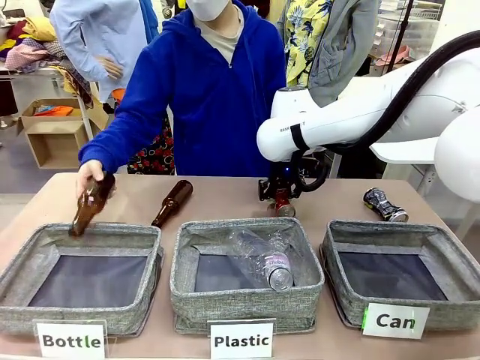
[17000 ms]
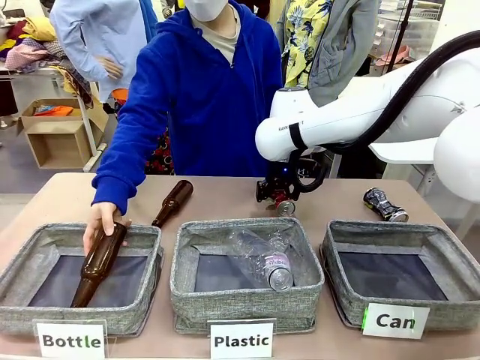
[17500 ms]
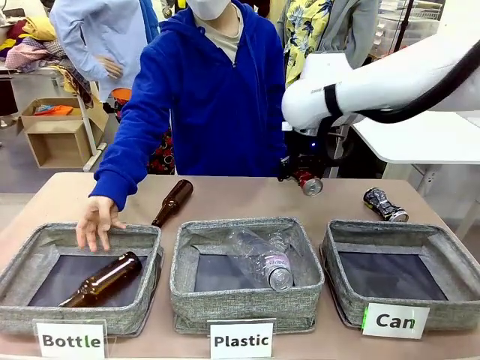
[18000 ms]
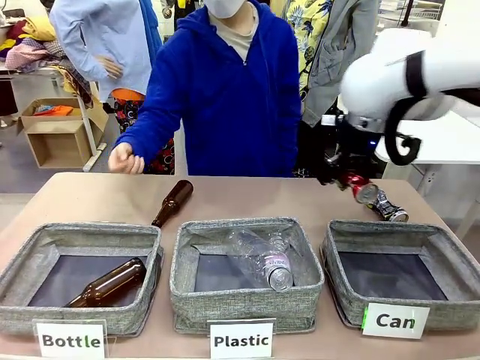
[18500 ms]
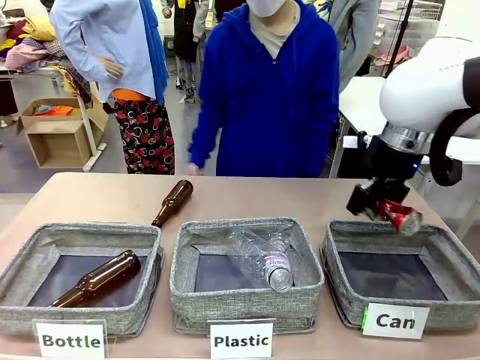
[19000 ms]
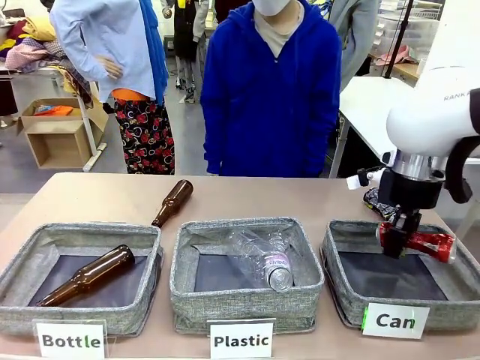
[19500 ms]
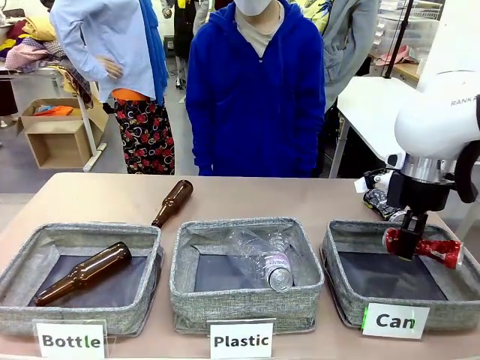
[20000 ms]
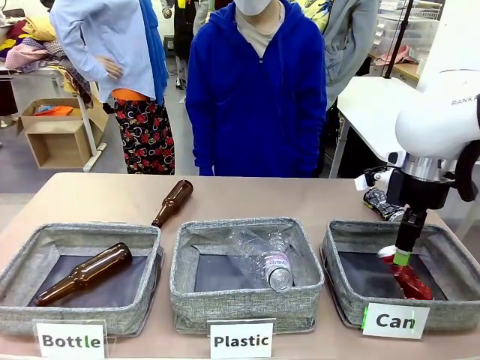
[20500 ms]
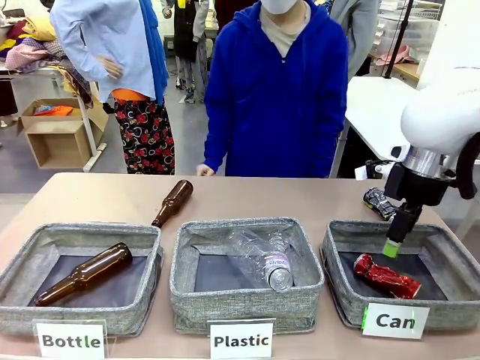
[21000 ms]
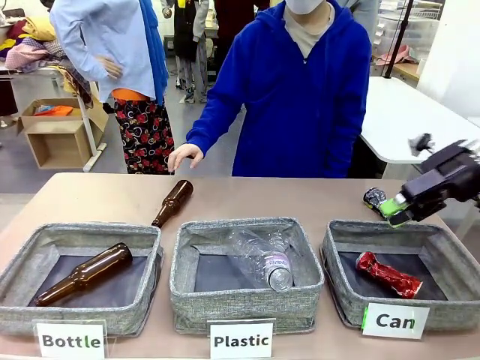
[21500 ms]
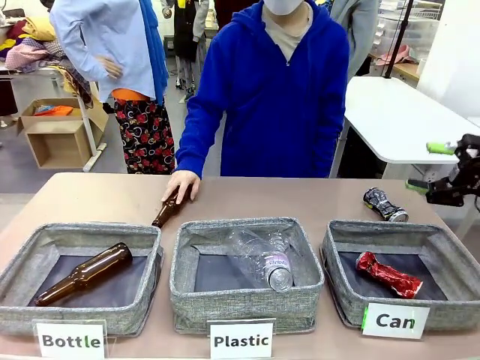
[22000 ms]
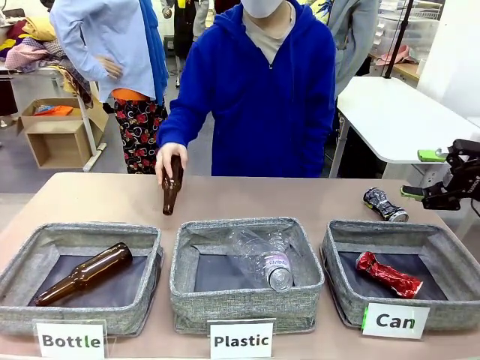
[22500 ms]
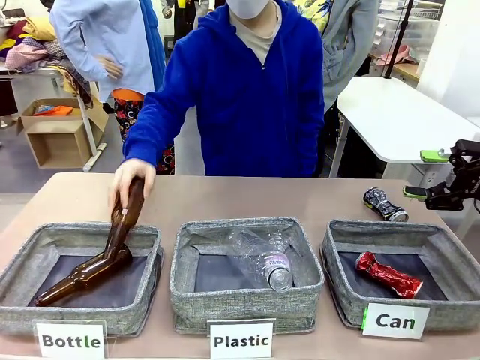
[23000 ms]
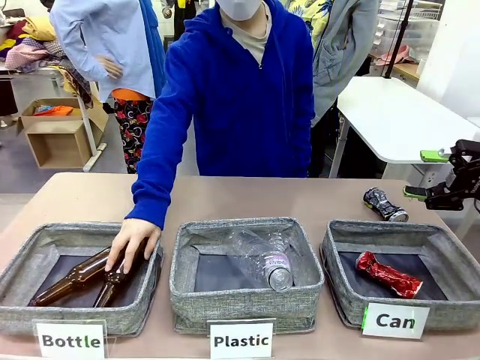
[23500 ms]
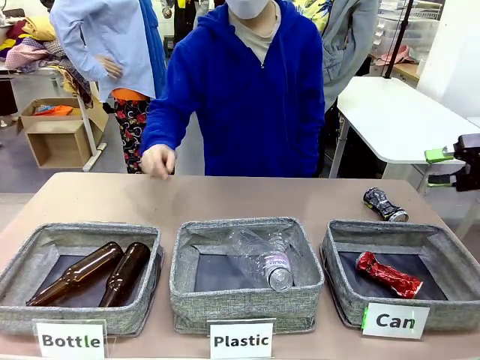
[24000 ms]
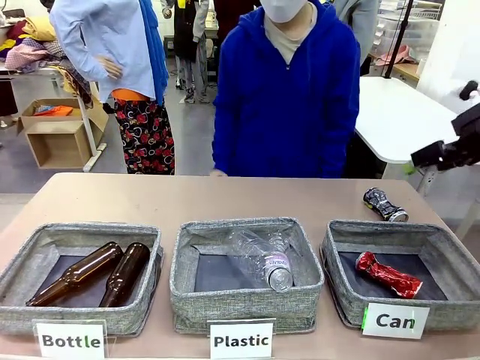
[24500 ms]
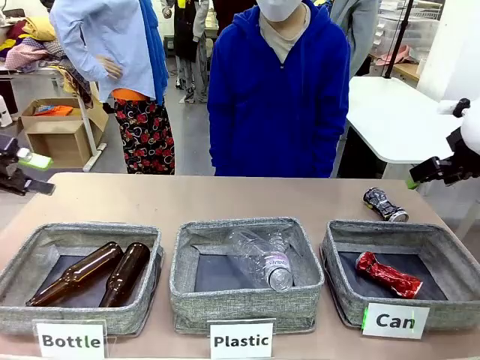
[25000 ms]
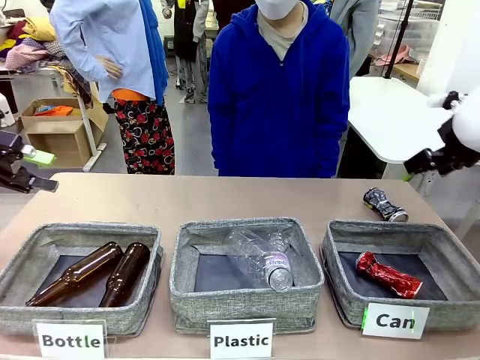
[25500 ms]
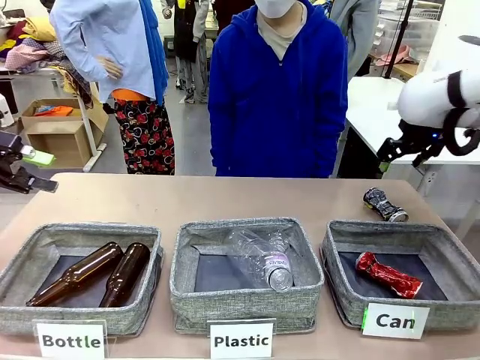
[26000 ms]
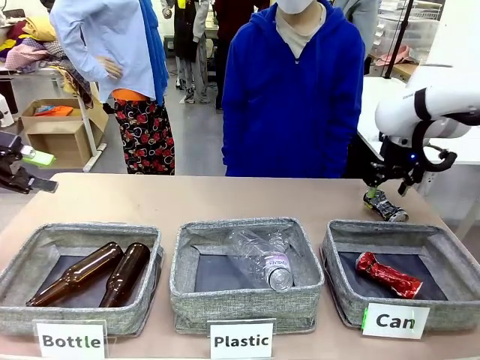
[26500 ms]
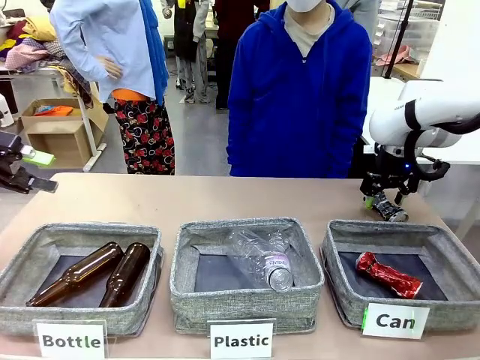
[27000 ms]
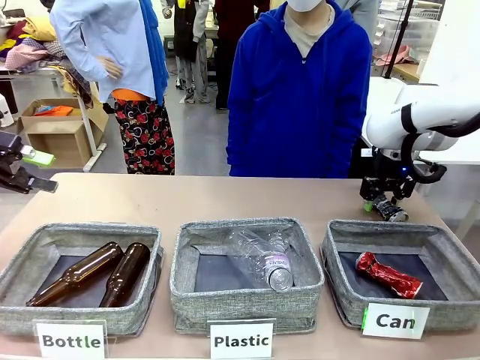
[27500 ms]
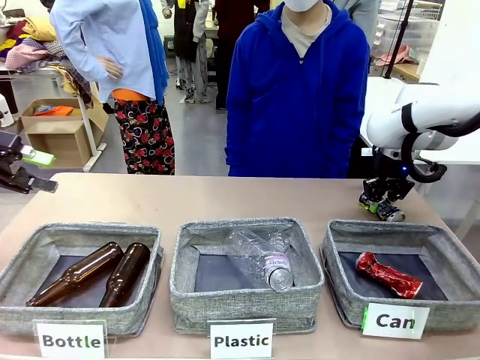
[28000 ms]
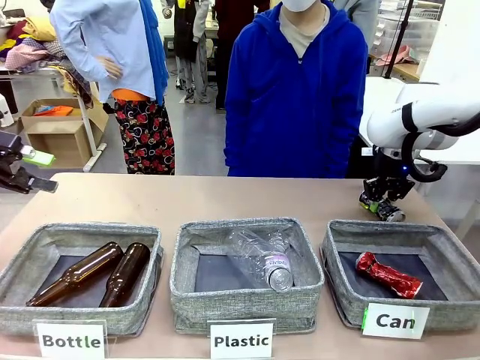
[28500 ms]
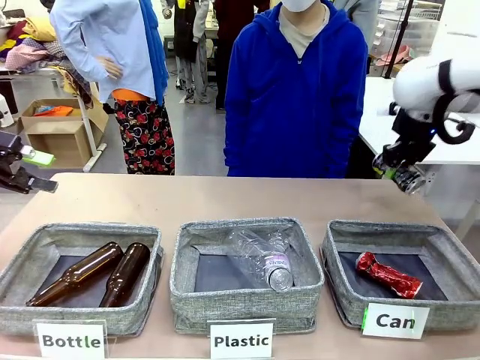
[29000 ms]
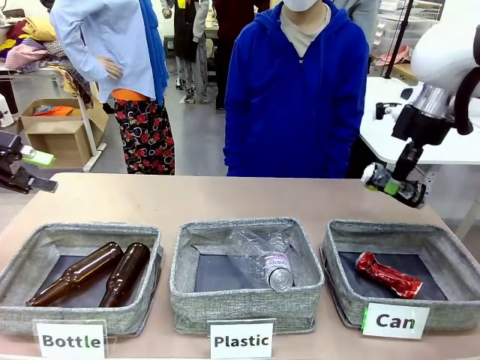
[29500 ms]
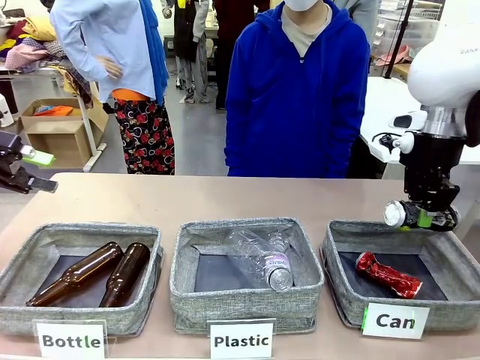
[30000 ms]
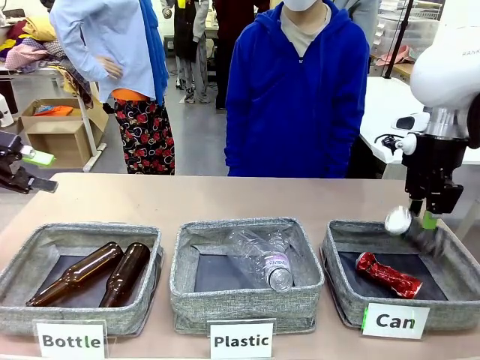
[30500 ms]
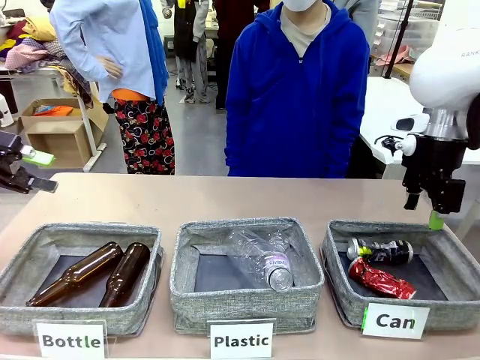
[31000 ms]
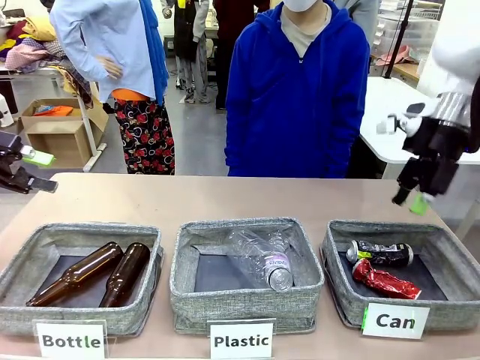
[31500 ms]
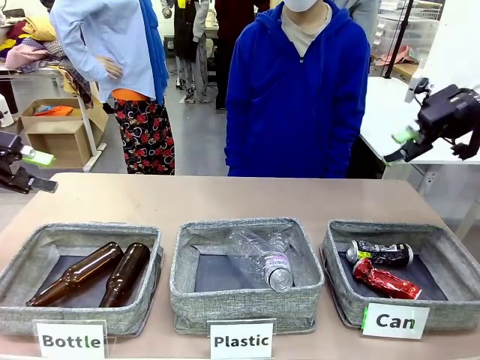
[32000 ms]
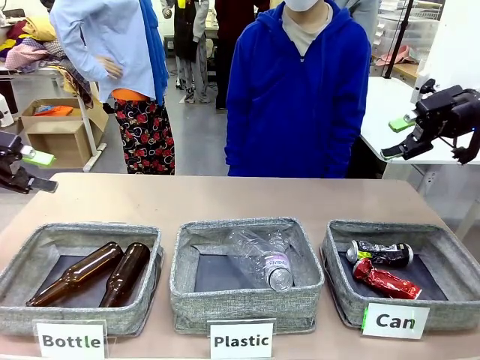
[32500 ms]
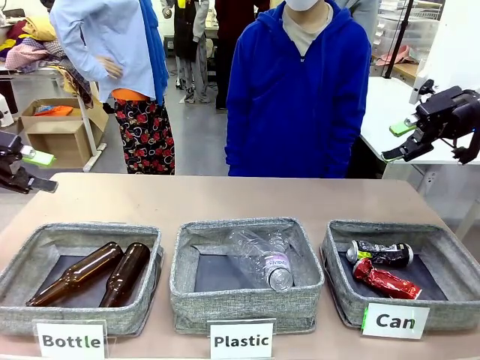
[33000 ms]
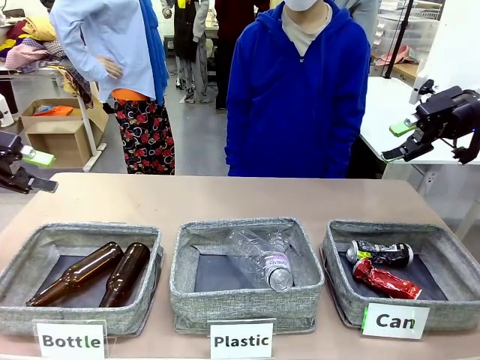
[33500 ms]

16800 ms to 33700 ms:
Task: Sort the can waste into the basket.
Robot: Pick up the can waste from the table and place it in the right Fabric basket.
Person: The human picks up one piece of trash that is not a can and places the trash into the appropriate organizing basket.

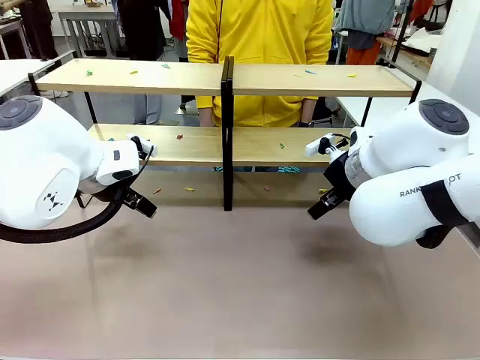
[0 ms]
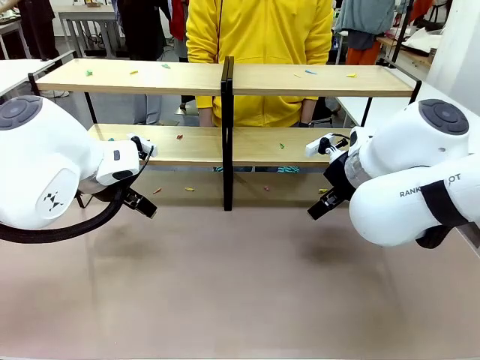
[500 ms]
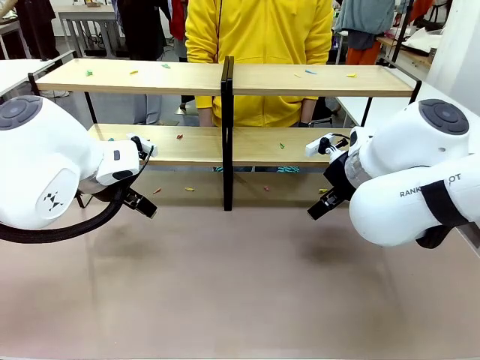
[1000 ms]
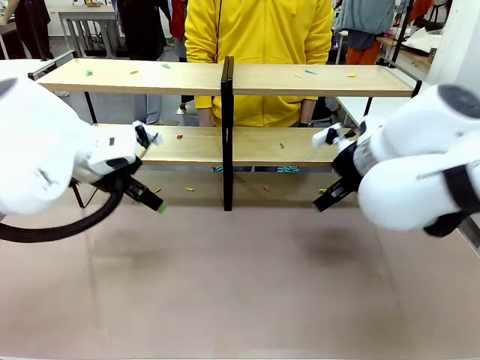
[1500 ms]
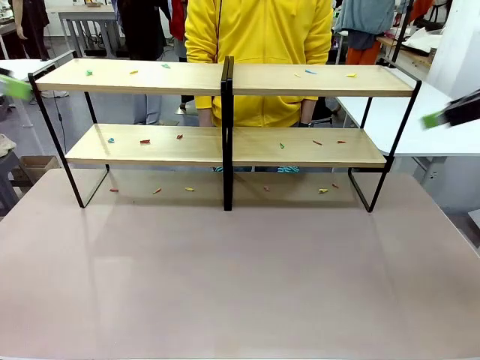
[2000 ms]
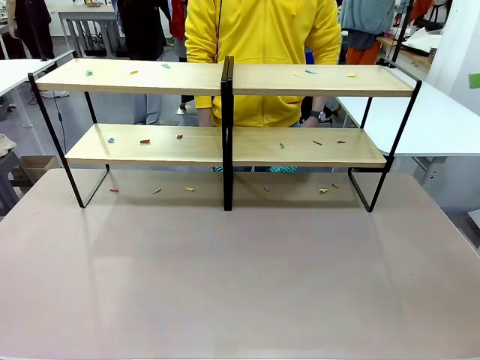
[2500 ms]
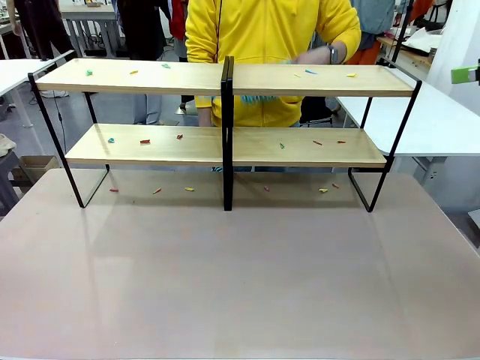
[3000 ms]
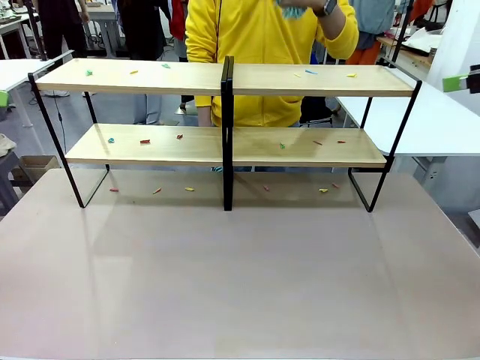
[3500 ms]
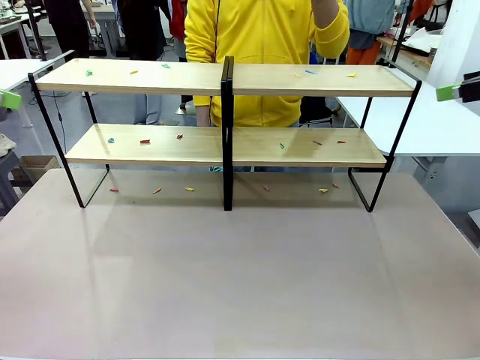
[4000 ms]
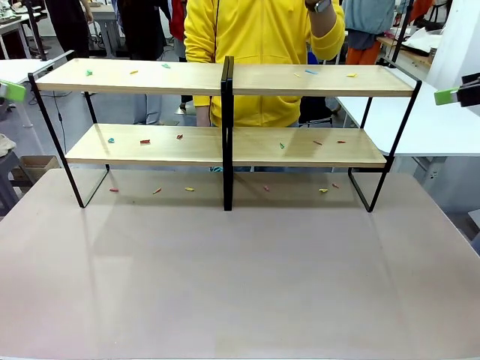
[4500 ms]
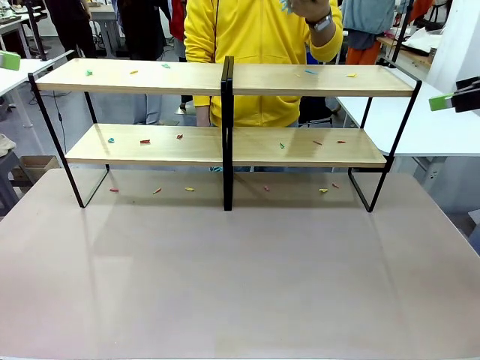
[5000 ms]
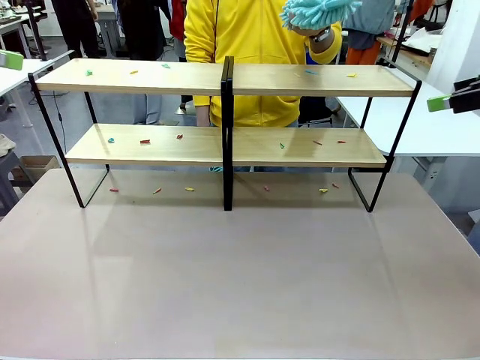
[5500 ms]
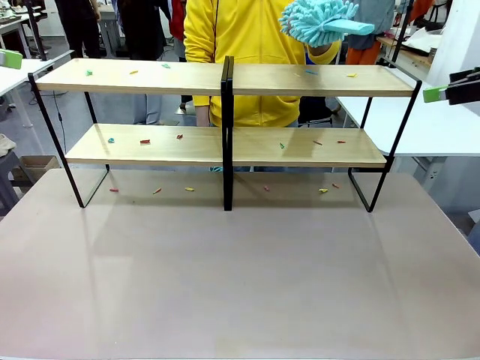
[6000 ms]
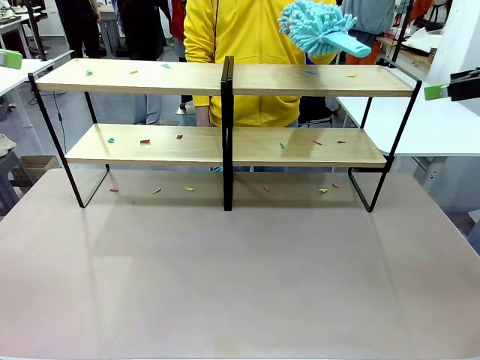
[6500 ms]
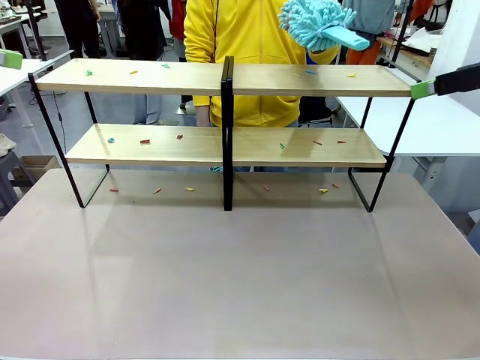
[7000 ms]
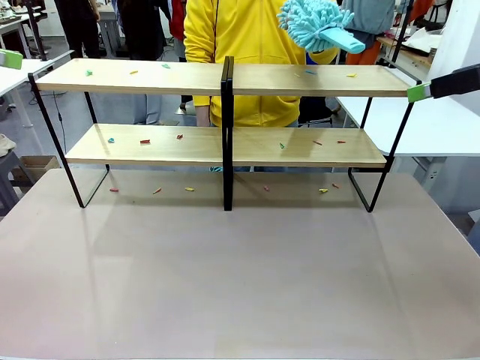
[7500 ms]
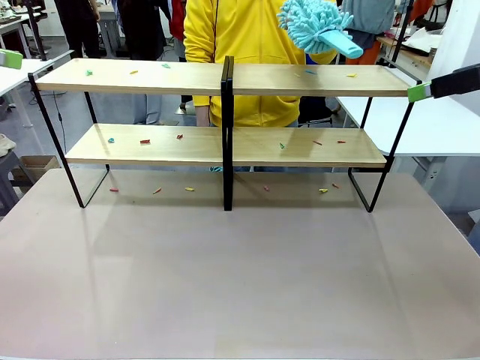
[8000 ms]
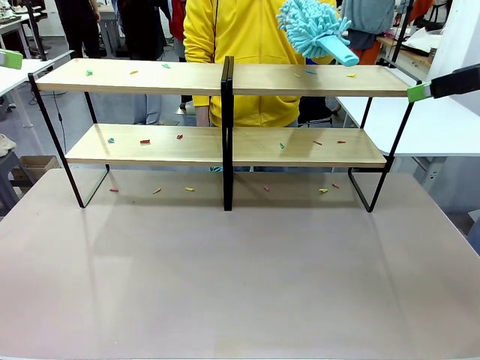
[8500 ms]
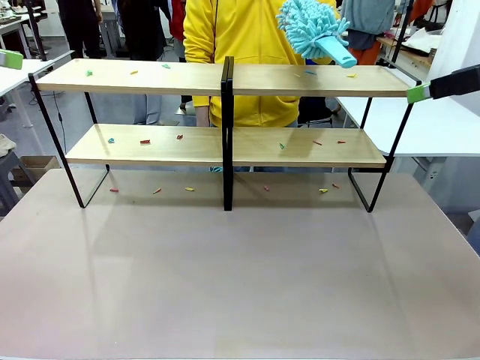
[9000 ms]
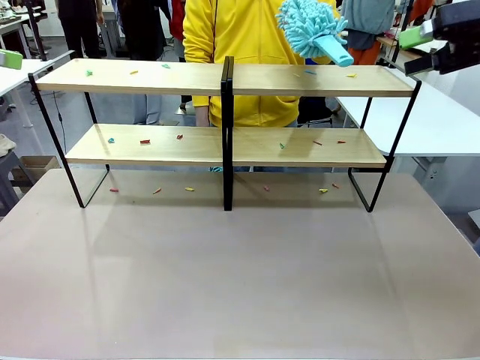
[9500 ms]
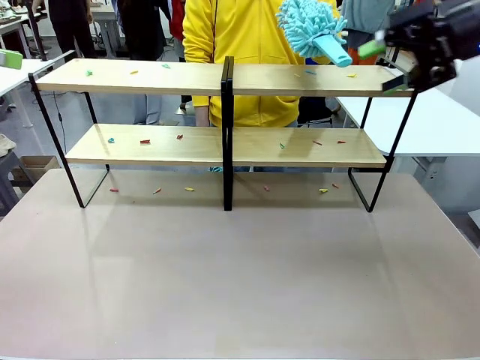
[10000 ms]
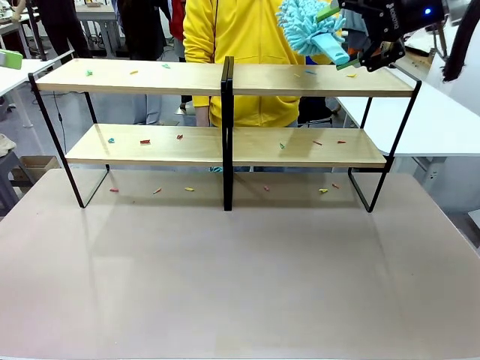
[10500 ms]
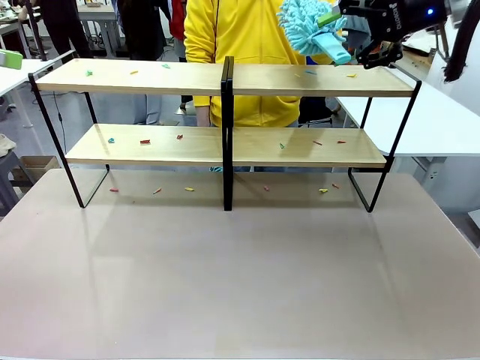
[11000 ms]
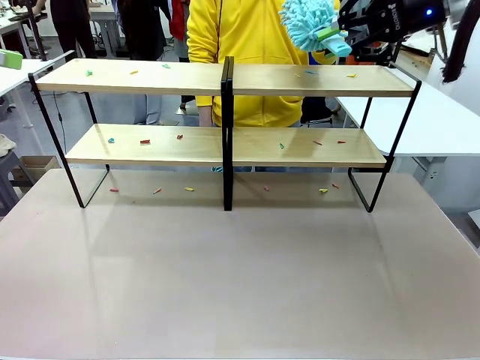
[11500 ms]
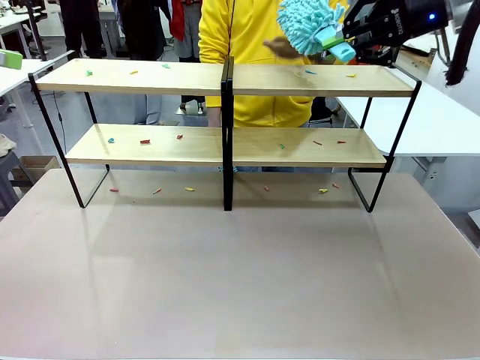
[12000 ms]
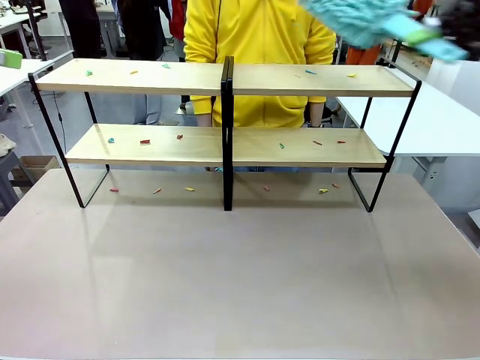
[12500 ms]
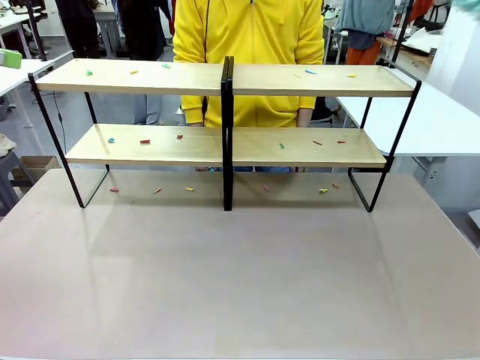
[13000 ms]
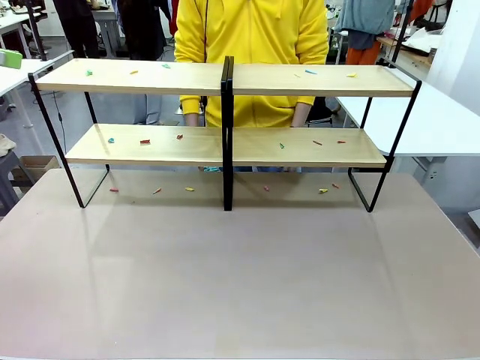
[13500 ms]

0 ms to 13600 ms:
Task: Clean the shelves.
Robot: Pick up the Duster when the human hands it over.
Person: Hand the Duster to the robot with your right (or left) hand.
